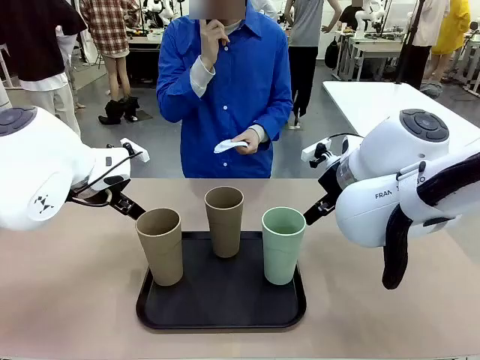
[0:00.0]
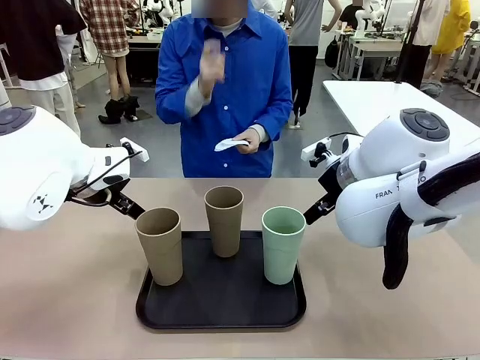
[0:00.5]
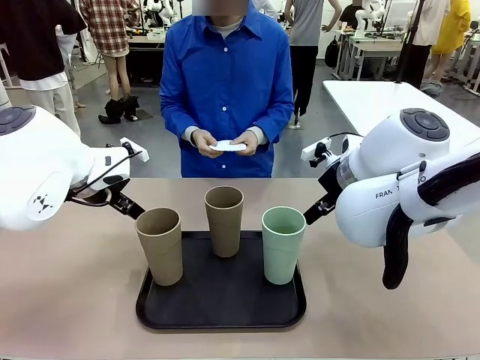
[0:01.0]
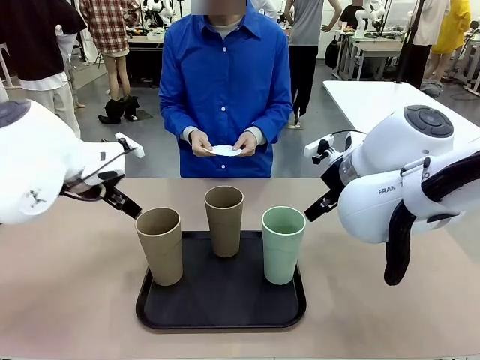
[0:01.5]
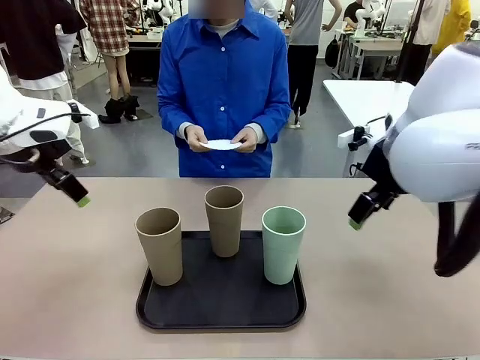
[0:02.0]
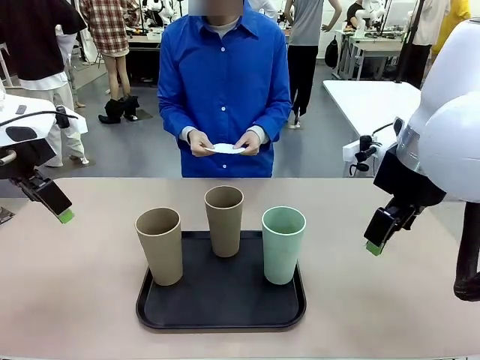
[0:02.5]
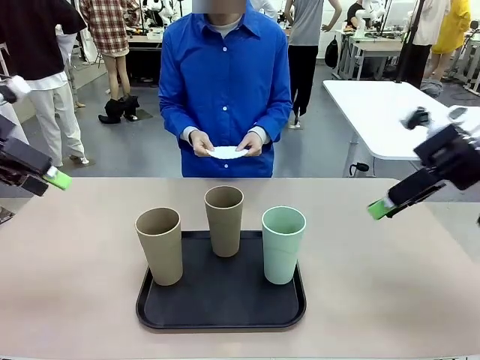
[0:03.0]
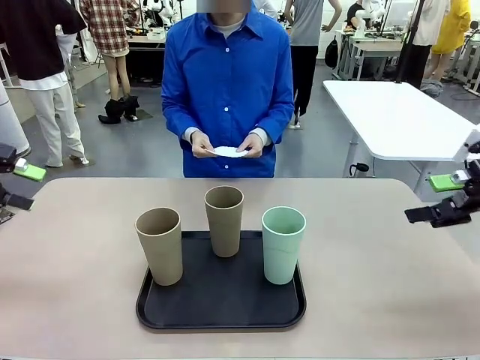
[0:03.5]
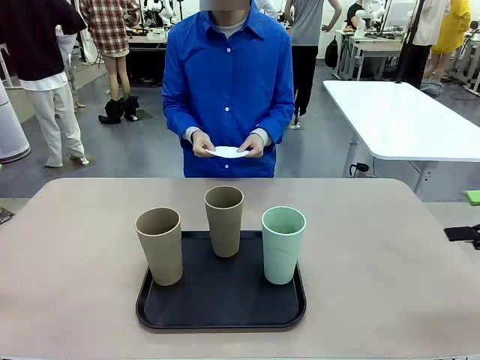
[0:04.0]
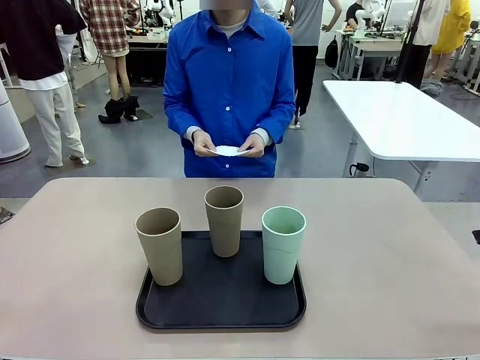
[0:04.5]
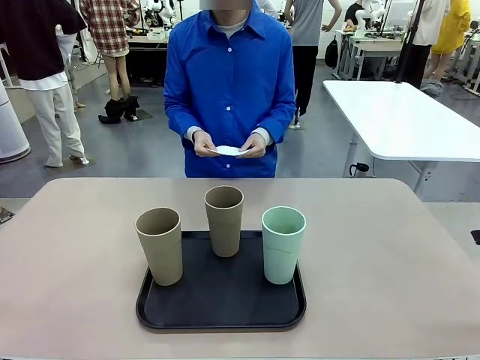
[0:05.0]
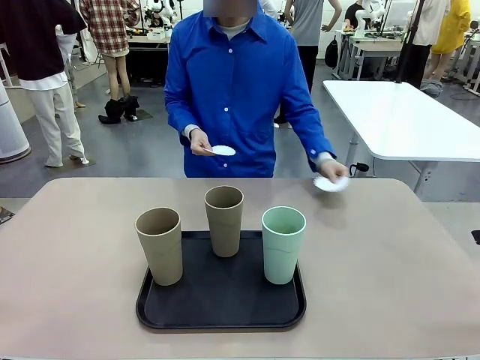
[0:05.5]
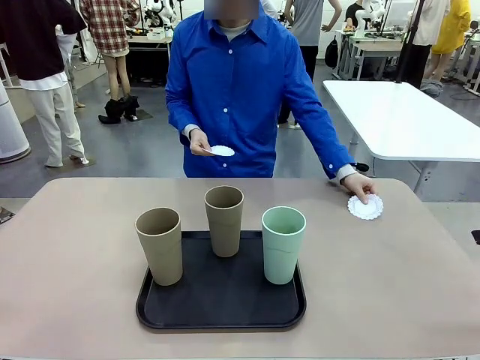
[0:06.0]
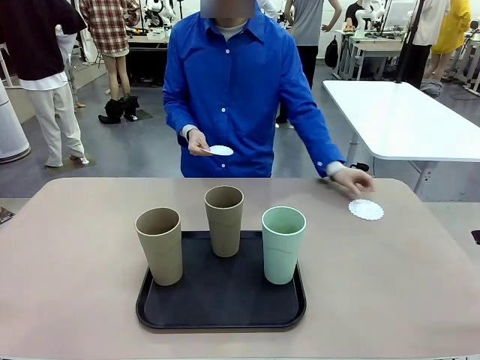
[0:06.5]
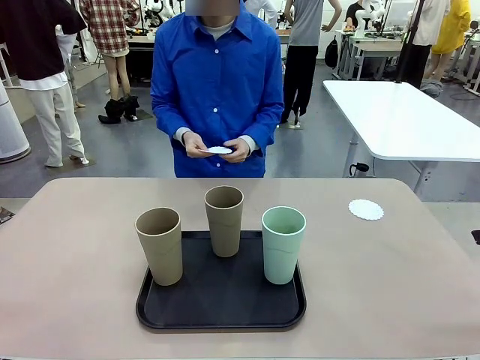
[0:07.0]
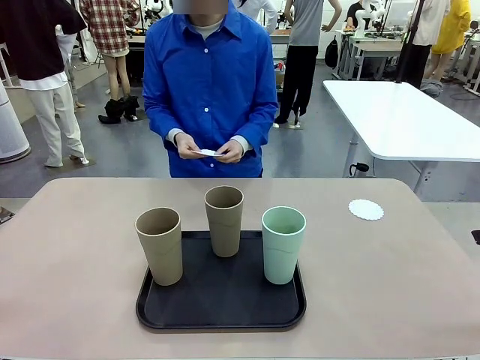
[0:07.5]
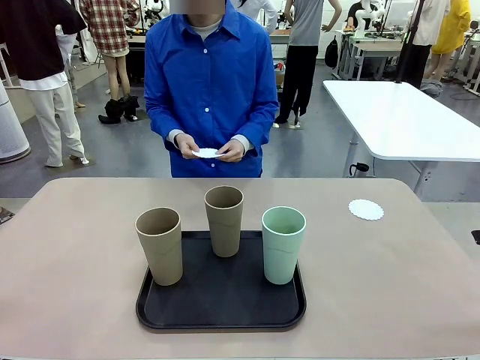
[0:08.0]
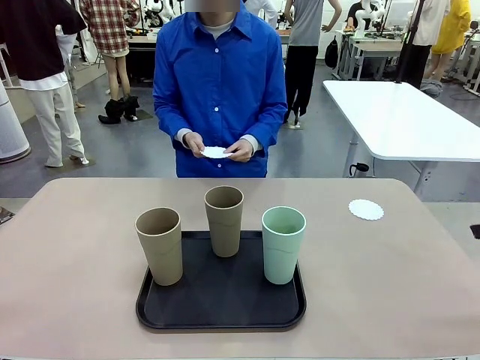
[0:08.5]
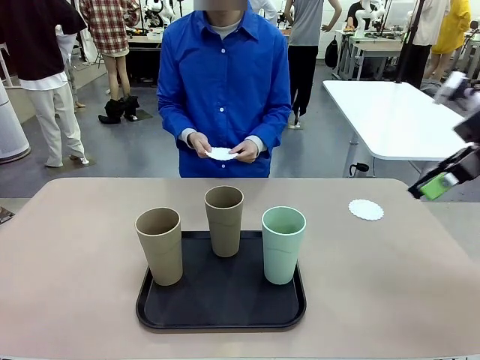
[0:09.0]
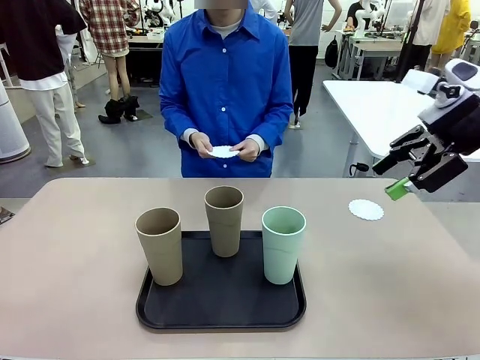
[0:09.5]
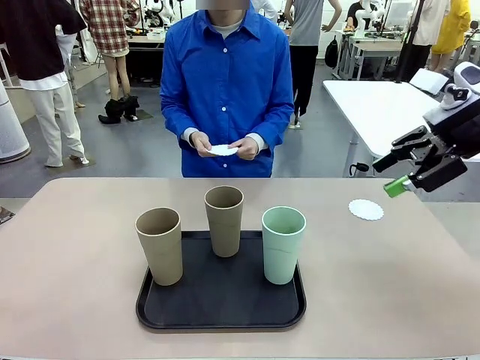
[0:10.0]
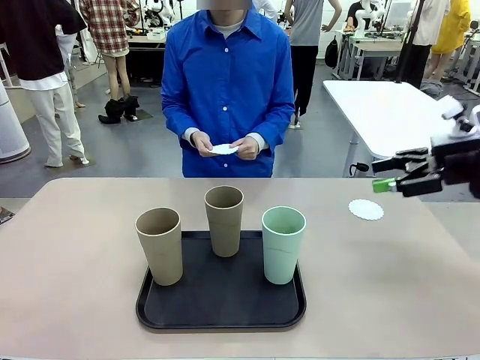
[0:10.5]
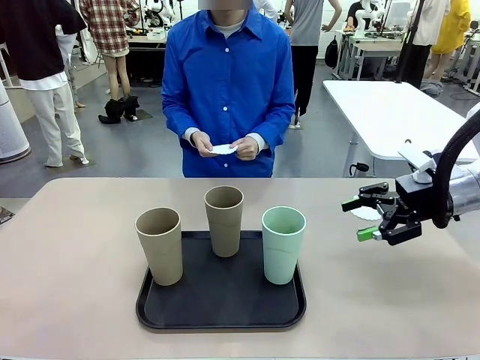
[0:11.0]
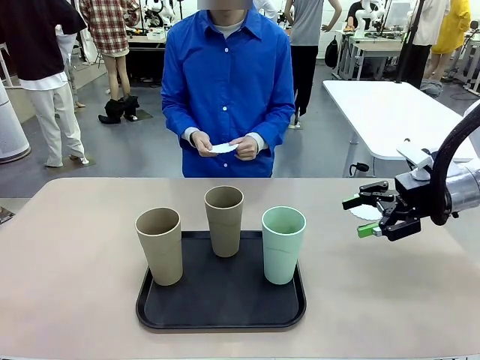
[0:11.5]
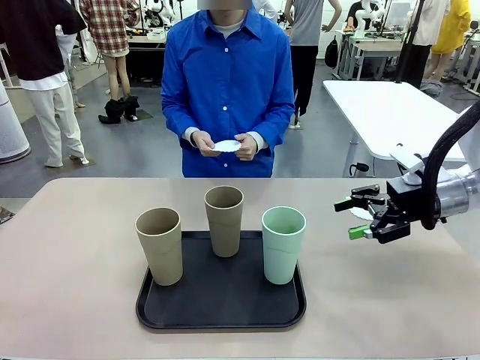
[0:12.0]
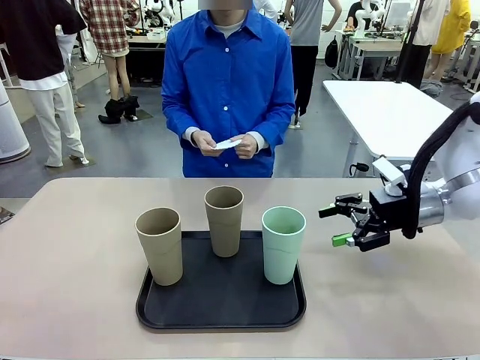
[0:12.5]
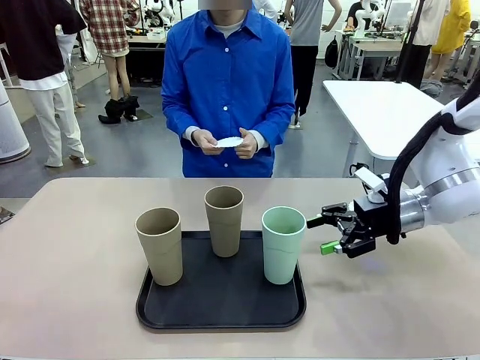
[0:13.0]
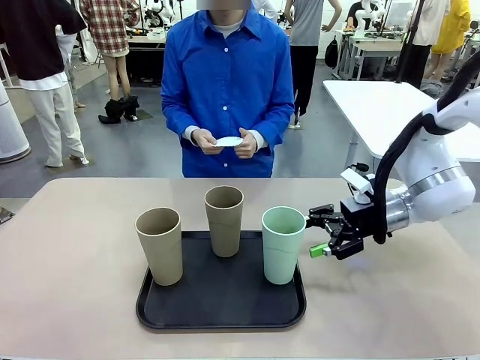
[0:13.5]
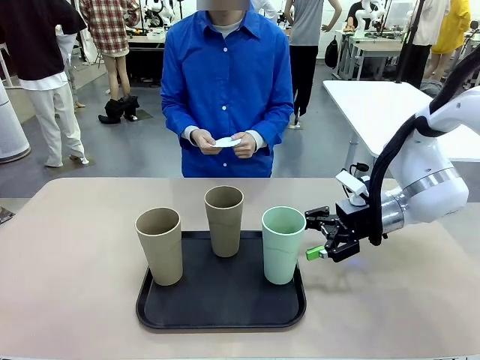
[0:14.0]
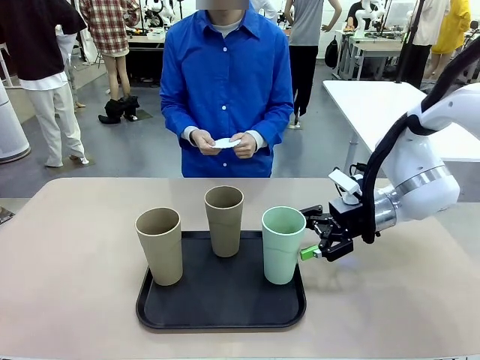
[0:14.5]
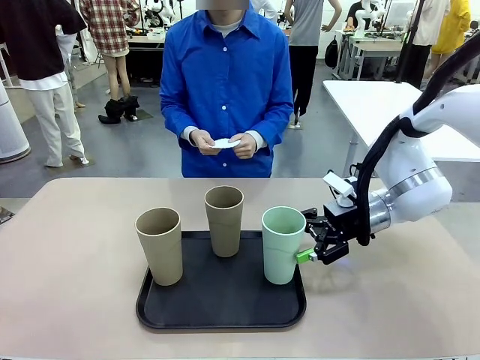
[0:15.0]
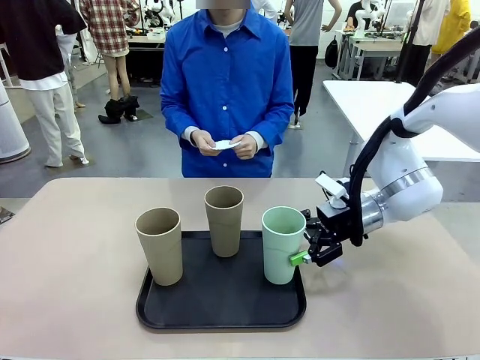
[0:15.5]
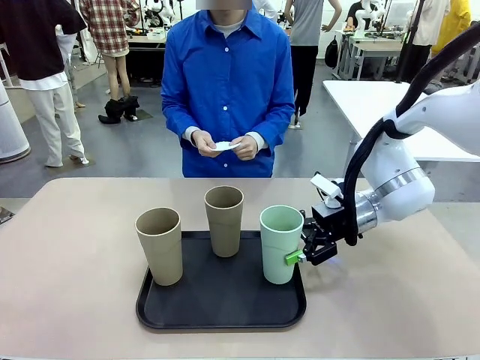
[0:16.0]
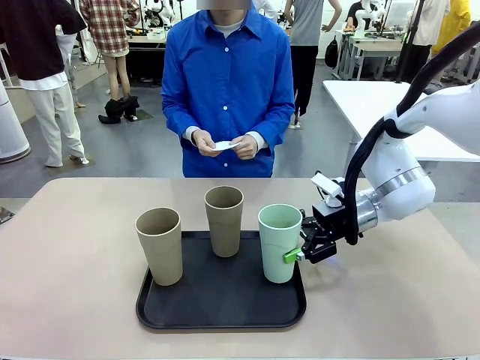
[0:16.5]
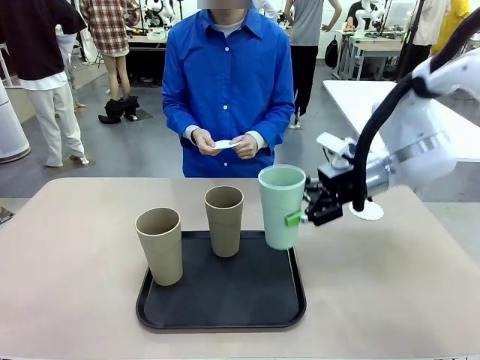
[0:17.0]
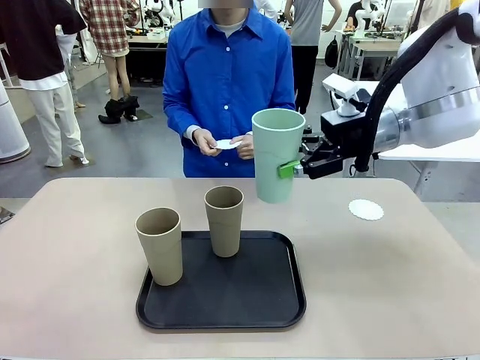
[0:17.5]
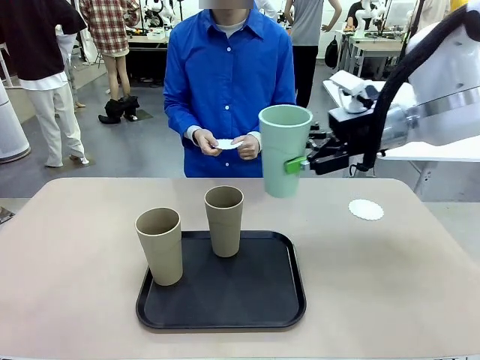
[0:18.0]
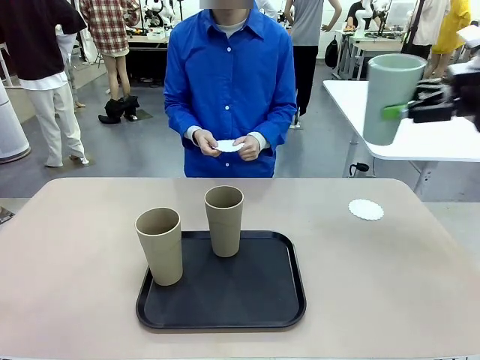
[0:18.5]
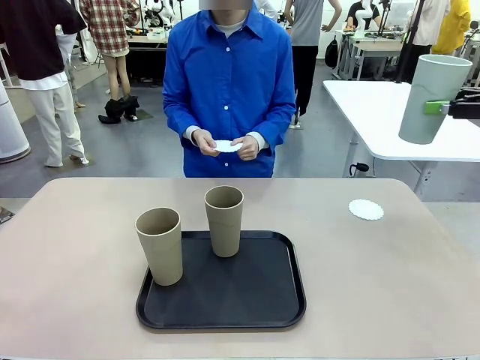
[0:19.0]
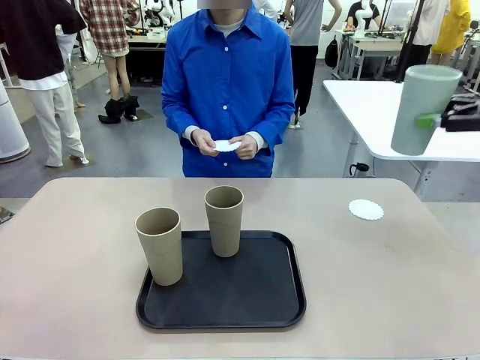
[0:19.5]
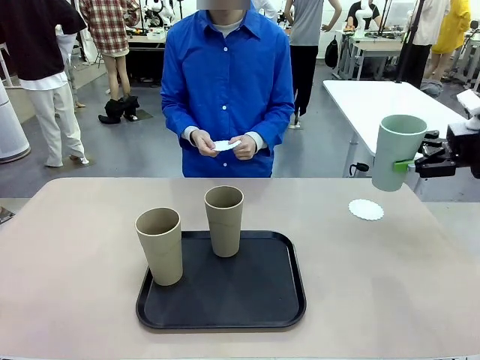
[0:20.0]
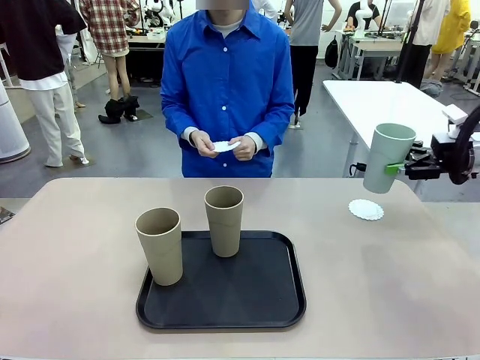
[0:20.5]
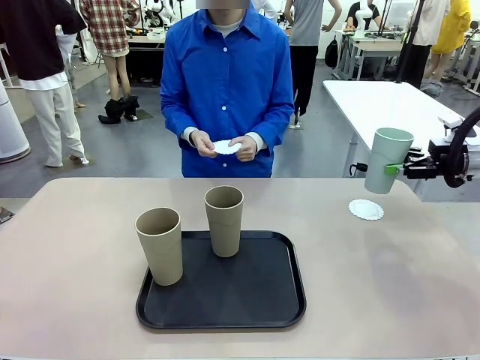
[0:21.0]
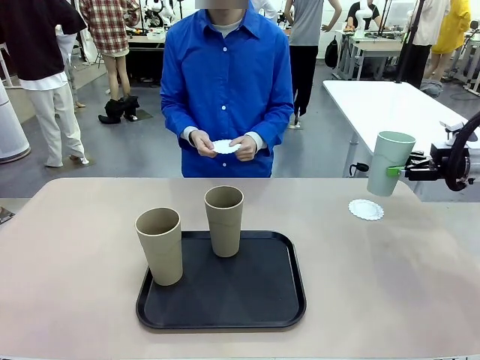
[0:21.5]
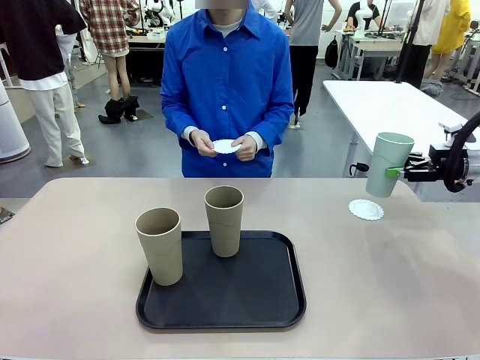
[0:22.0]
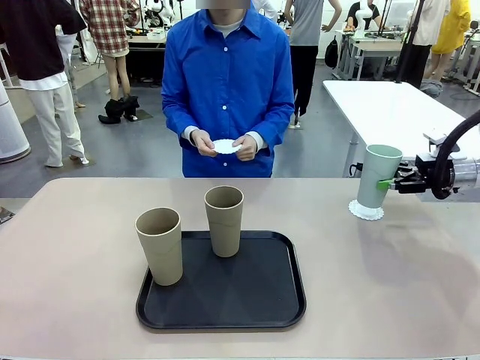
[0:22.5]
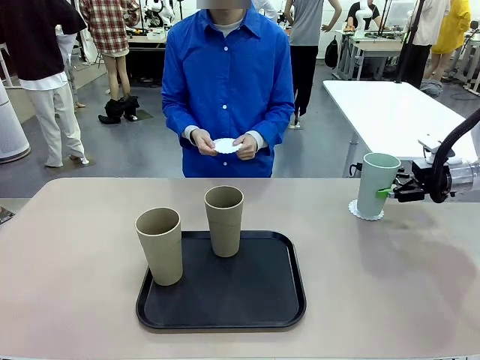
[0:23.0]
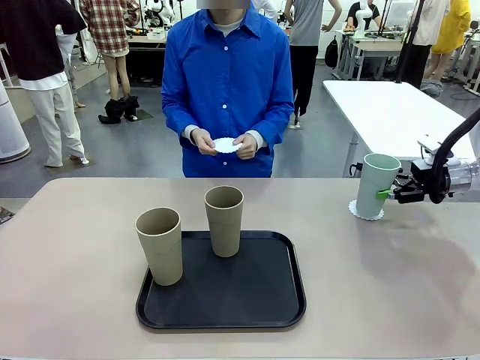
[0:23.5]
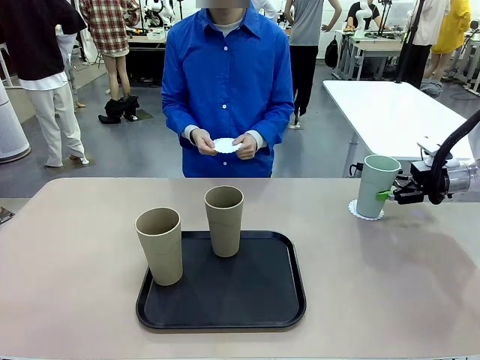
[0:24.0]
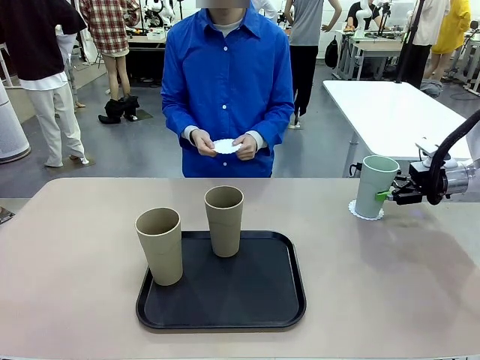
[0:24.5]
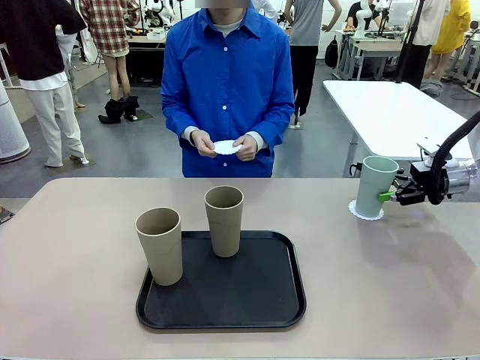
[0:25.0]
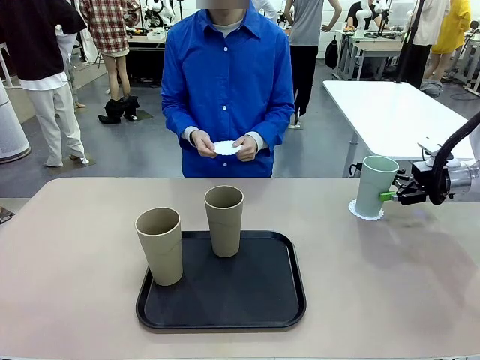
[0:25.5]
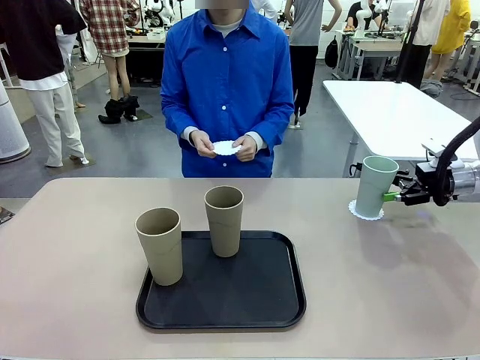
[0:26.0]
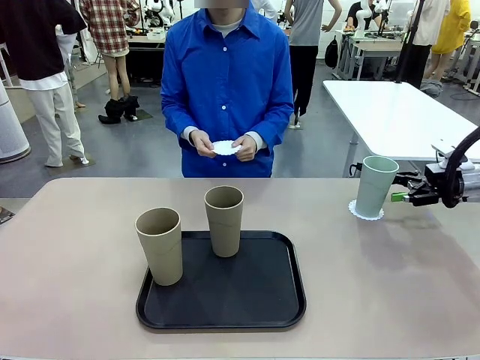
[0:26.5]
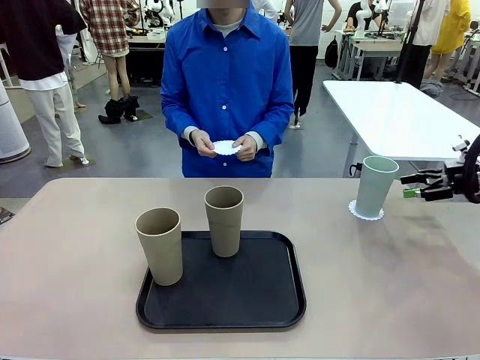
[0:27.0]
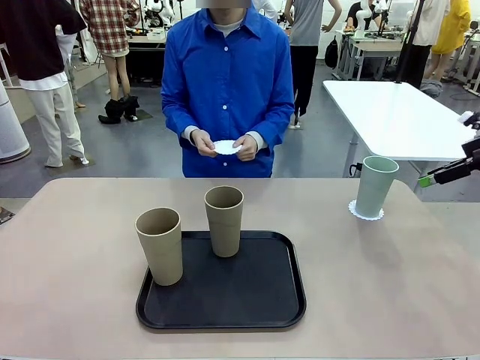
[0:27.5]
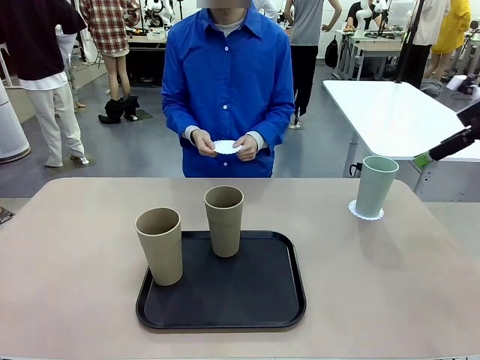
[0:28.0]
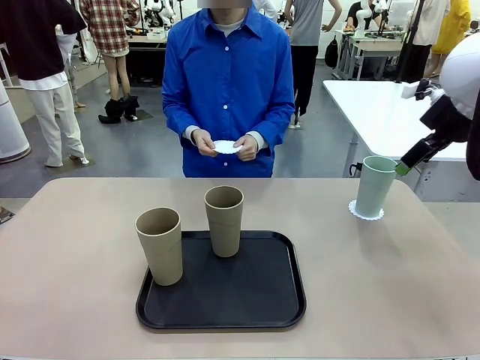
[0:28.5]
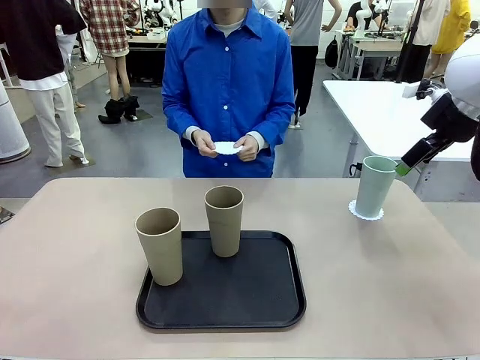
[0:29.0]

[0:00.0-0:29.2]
Task: Place coasters on the table and set cups on them.
Robot: Pick up one Reusable plastic cup and place it on a coaster set by the human.
Person: Place one coaster in any one of the three lower areas of the robot table (left, center, or right). Place one coaster in one of the two areas excluding the previously selected area.
